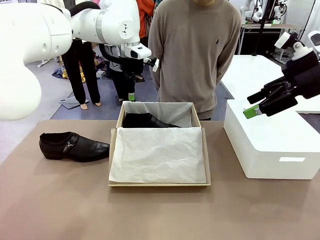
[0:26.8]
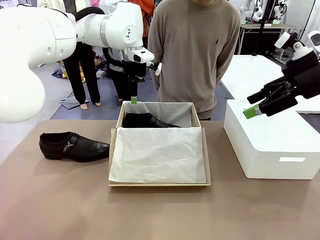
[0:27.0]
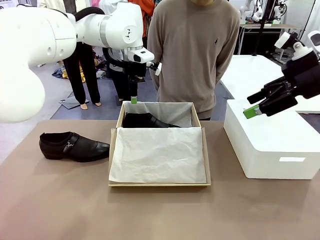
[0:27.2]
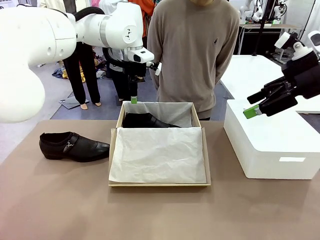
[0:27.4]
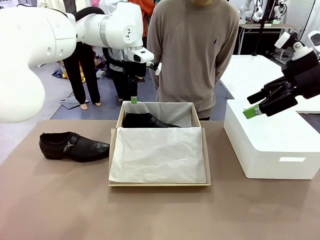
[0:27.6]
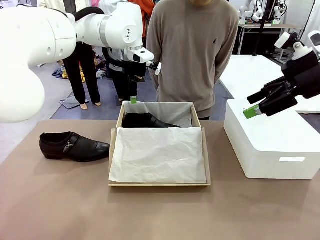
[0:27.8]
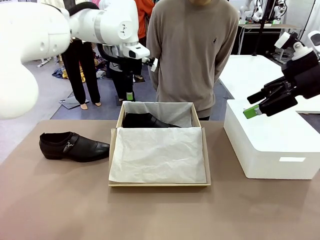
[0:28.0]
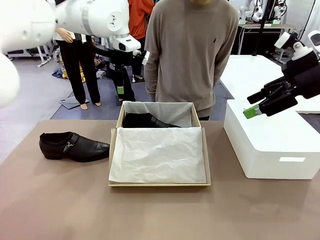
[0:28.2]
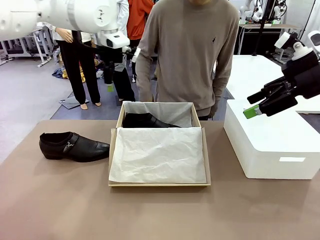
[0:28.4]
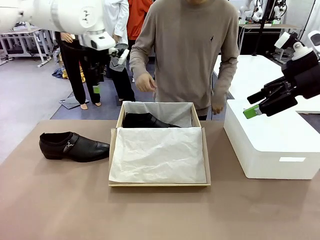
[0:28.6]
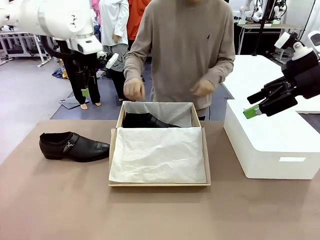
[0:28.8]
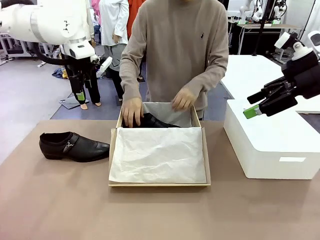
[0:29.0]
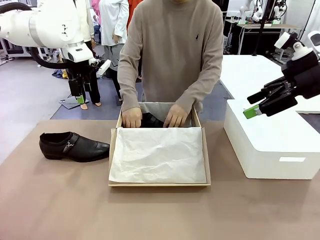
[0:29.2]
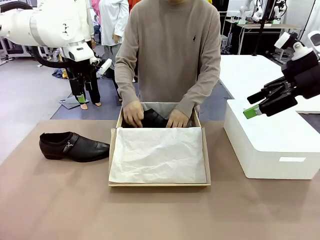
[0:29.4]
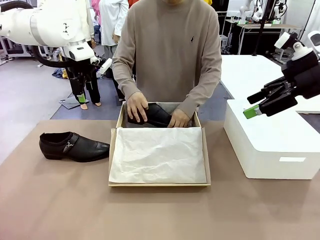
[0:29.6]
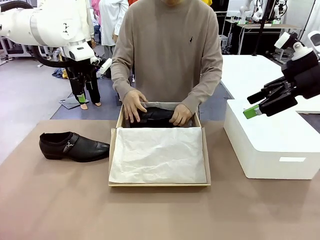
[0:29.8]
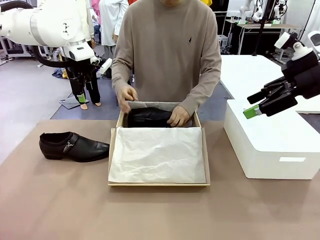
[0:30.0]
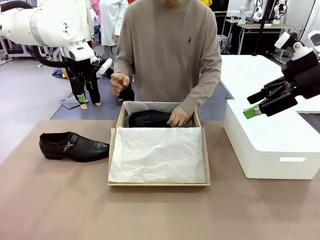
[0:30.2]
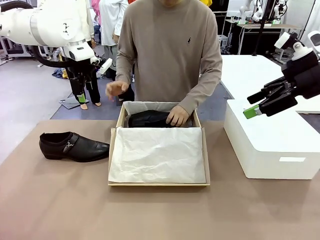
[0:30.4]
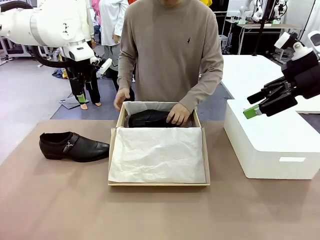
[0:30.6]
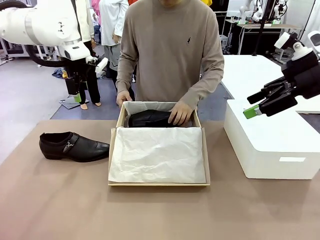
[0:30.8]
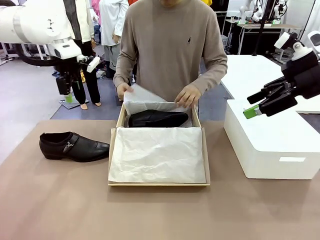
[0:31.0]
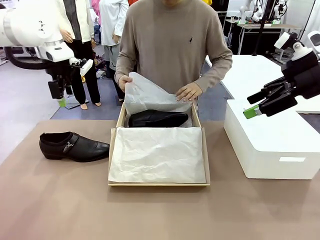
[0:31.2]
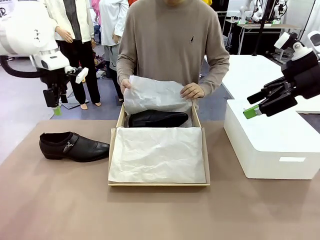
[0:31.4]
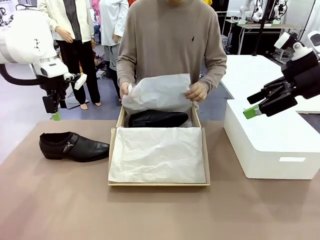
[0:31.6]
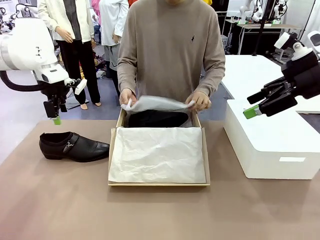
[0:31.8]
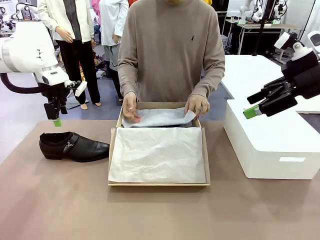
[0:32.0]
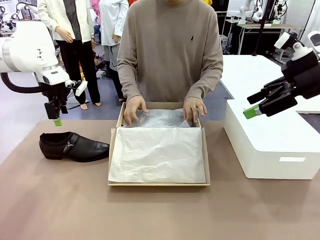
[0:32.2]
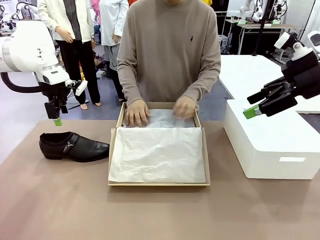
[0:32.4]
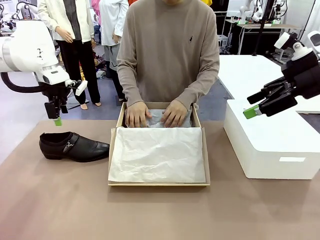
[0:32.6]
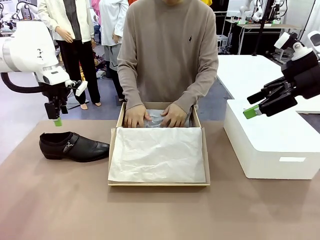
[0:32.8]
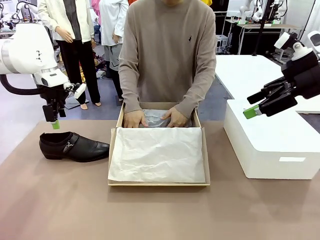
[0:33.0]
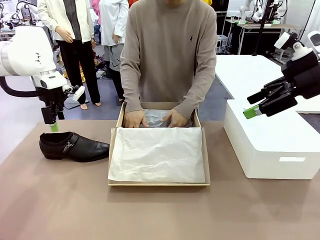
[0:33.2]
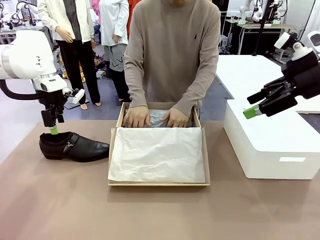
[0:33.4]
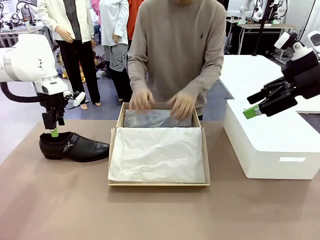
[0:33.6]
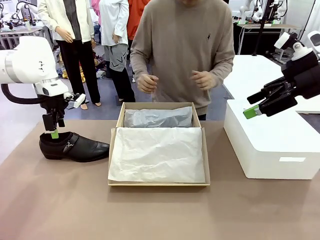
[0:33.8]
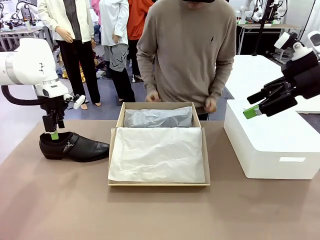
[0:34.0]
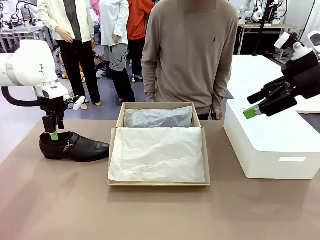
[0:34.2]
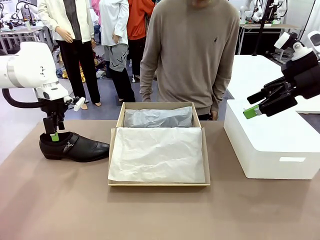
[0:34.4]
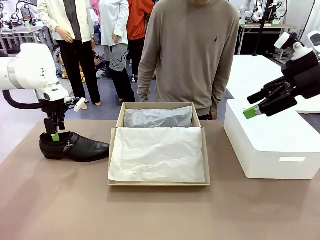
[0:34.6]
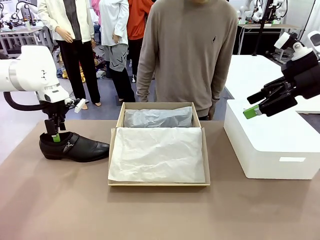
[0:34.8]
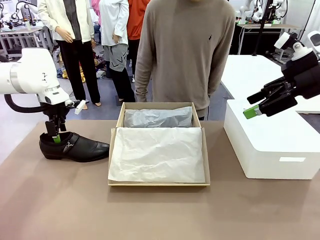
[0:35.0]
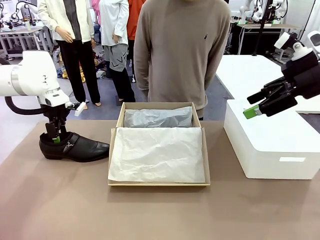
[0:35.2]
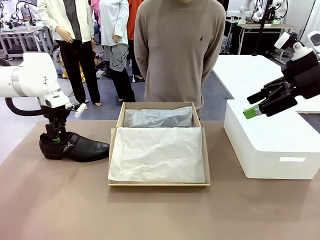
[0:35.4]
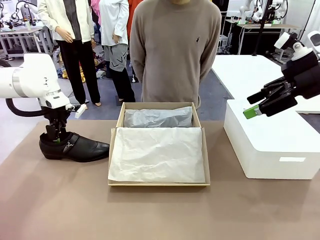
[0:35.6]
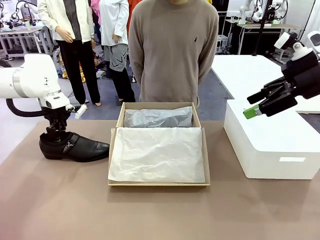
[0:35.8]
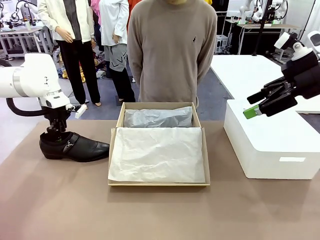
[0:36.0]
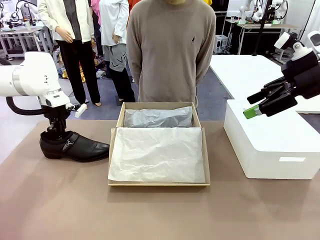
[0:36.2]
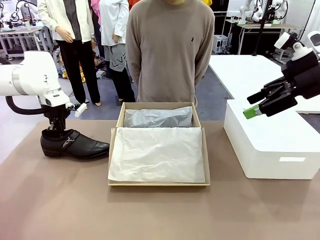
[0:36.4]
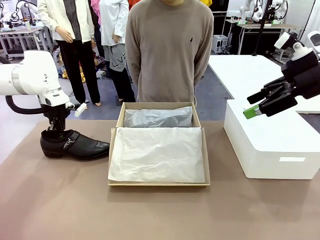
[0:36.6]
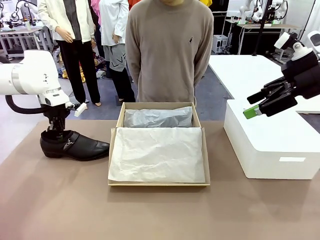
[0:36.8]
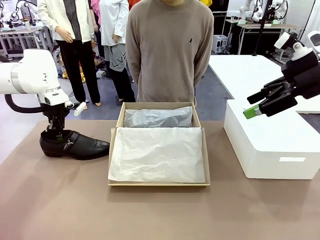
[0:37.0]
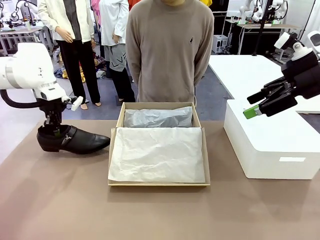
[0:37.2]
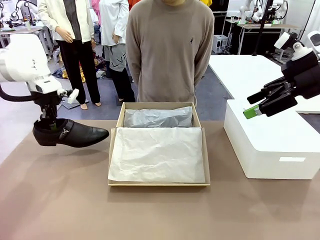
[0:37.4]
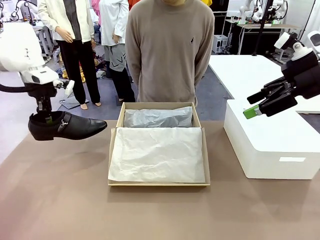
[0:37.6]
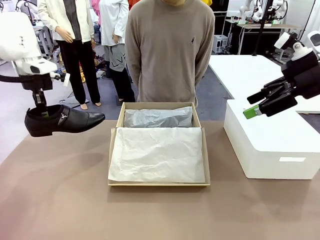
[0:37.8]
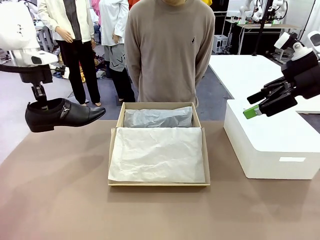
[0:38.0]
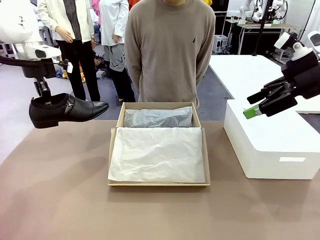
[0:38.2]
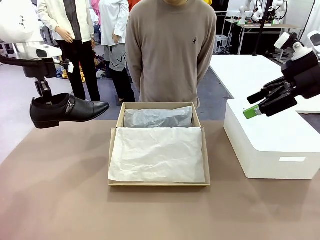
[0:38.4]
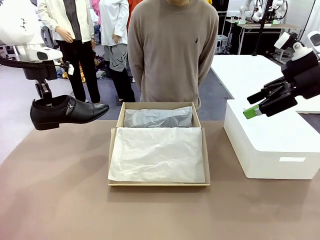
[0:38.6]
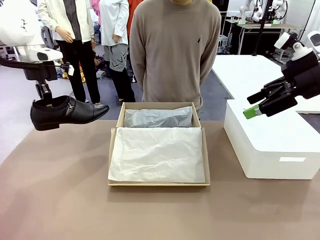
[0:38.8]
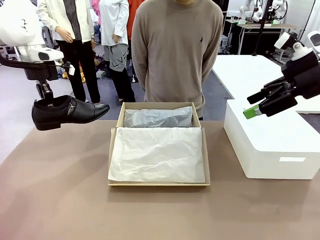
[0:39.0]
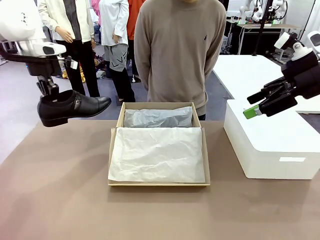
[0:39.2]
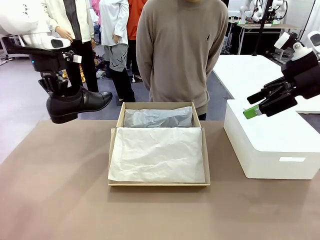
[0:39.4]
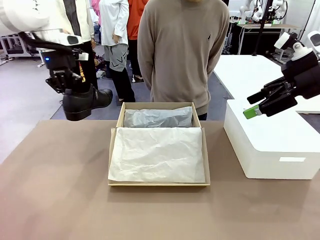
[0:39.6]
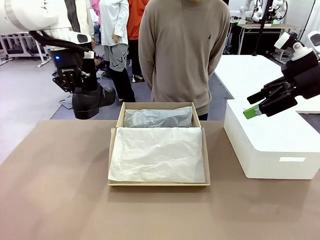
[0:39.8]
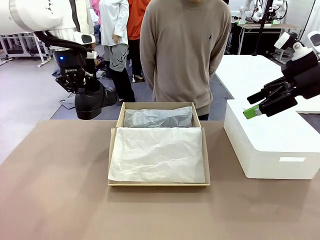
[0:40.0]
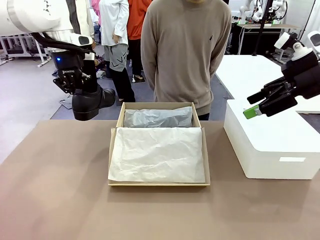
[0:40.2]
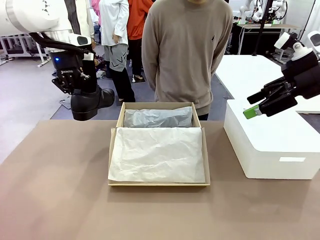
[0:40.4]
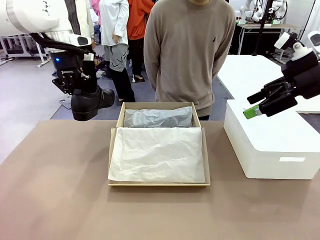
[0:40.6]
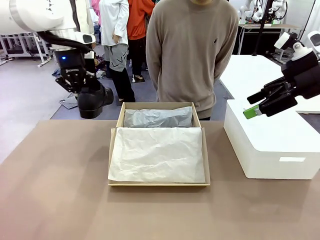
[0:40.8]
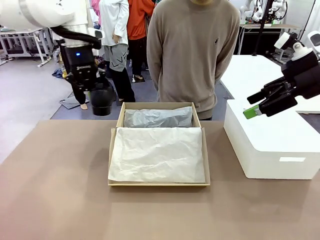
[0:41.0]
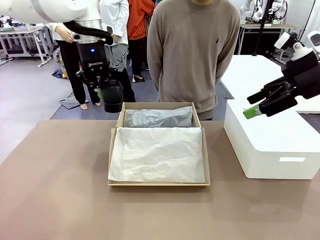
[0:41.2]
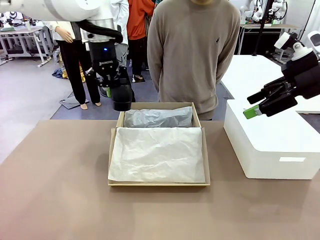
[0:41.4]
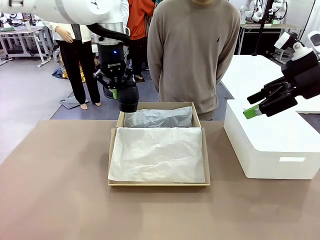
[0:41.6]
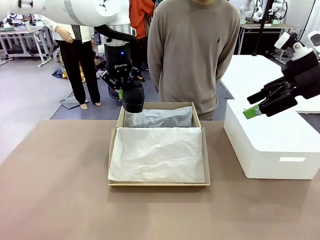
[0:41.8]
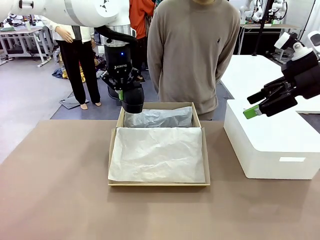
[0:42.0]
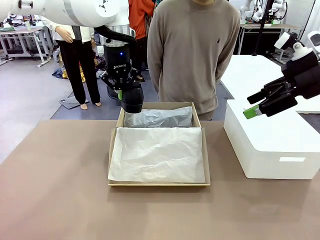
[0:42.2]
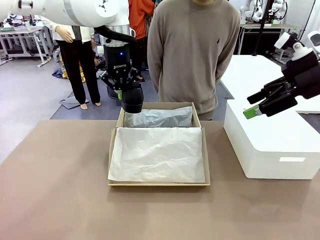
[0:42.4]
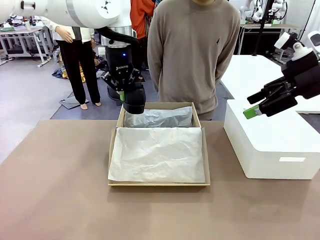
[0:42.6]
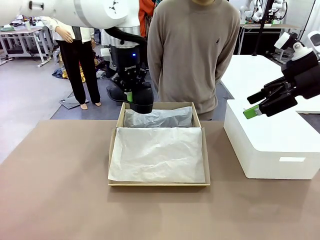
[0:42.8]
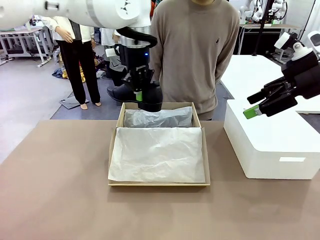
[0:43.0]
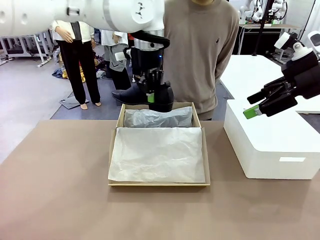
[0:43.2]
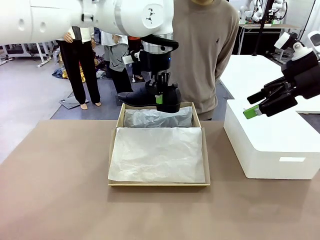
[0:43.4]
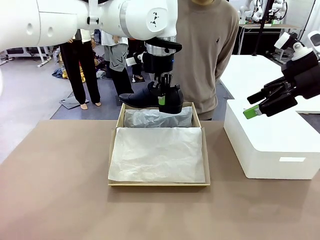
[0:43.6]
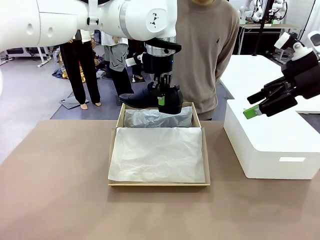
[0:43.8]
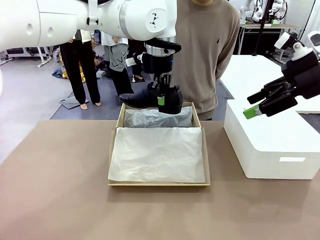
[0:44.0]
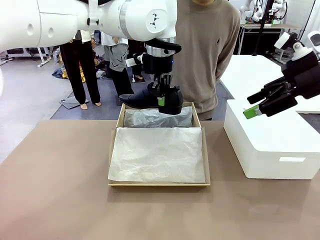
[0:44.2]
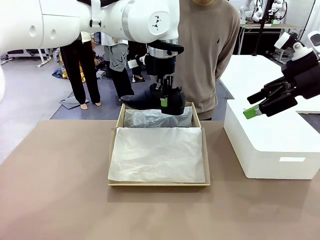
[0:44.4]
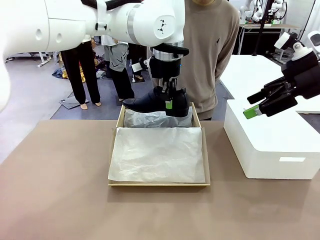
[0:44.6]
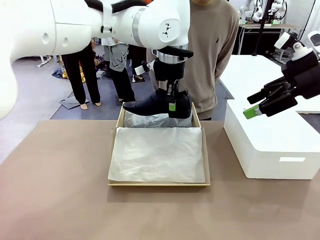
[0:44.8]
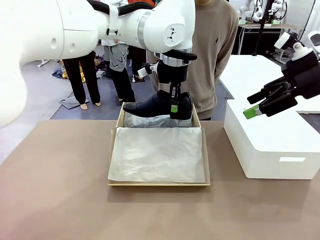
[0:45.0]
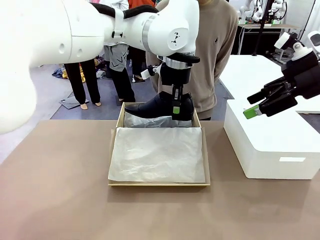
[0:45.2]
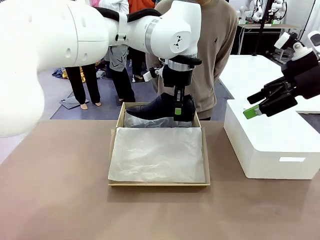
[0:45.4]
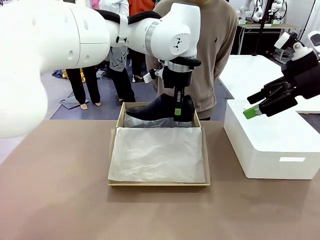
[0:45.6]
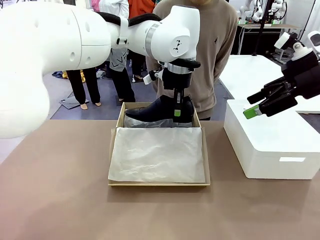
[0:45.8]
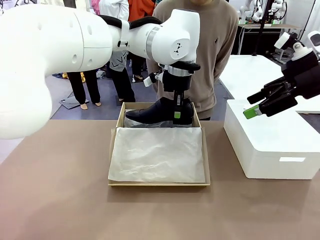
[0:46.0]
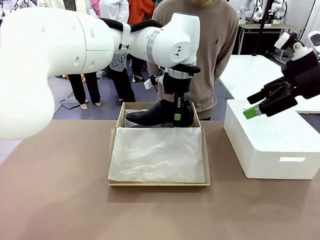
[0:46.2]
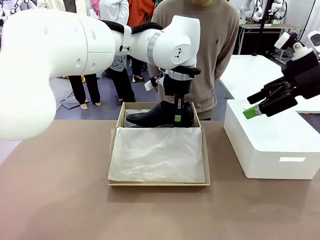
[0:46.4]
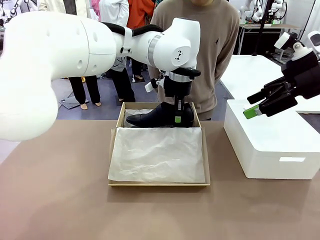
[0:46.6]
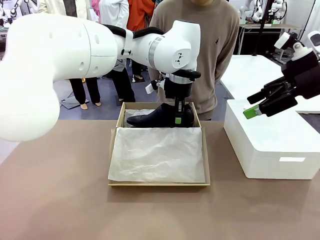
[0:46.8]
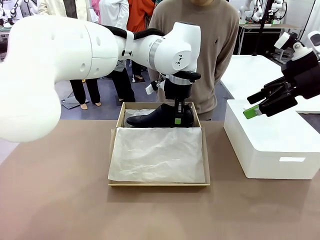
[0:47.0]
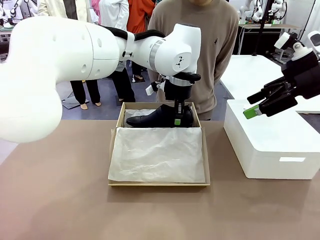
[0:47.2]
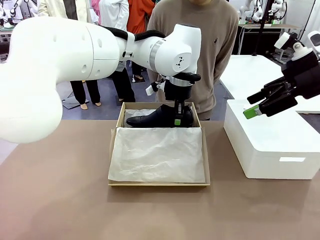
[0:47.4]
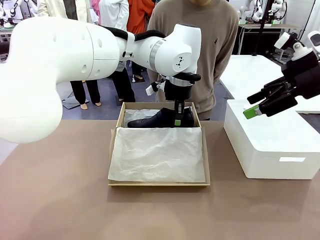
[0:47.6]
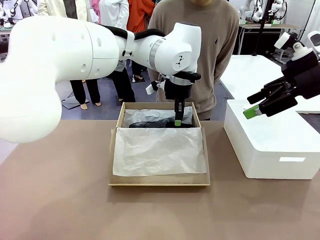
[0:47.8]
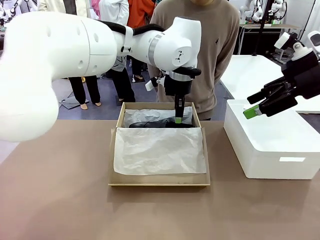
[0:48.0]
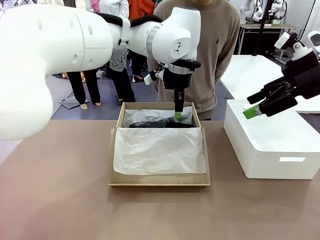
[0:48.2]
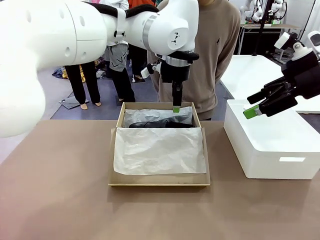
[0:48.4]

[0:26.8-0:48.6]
Task: Pack the shoes into the box.
Robot: Place the other shoe of the Shoes into the Shoes Box.
Person: Pack a shoe of Shoes inside the Shoes Box with Shoes Wrapping Paper.
